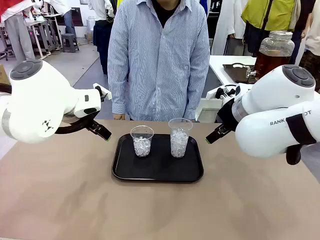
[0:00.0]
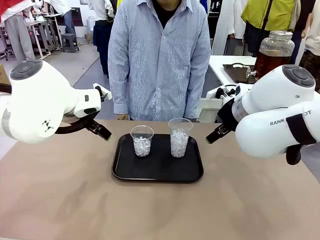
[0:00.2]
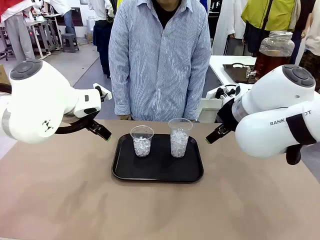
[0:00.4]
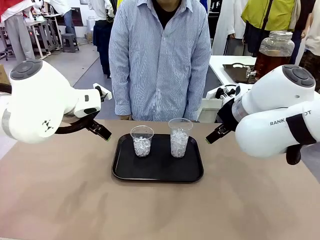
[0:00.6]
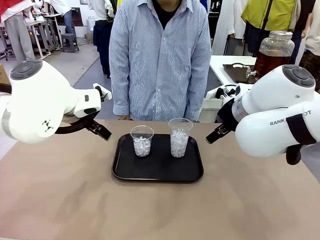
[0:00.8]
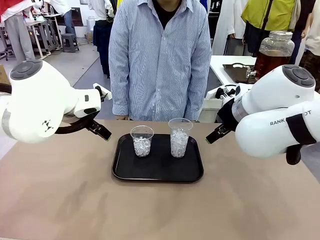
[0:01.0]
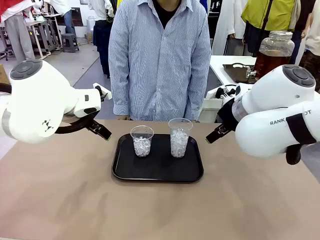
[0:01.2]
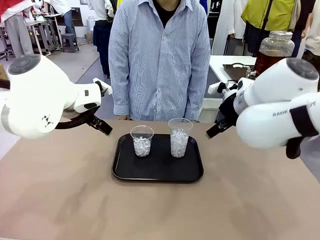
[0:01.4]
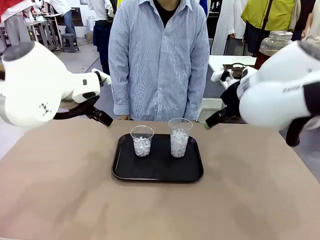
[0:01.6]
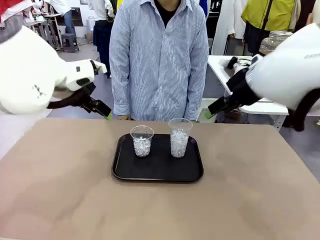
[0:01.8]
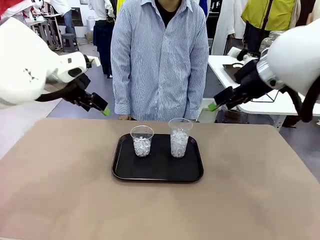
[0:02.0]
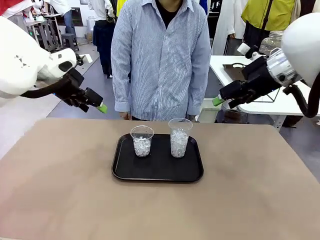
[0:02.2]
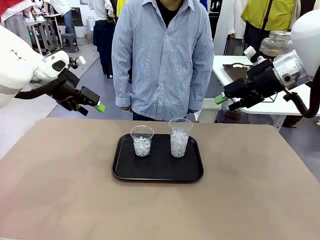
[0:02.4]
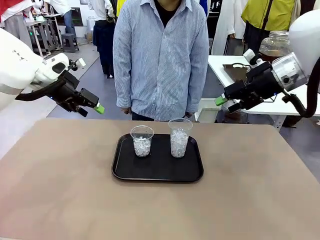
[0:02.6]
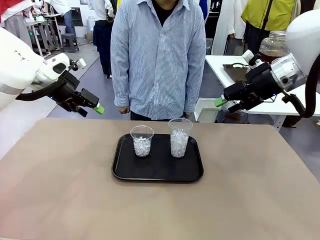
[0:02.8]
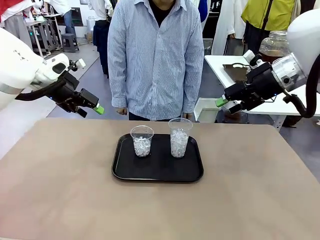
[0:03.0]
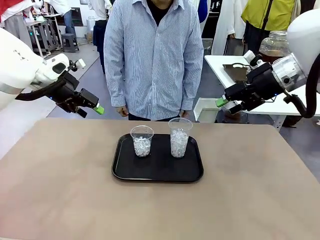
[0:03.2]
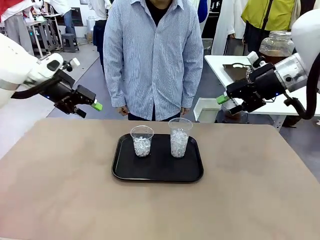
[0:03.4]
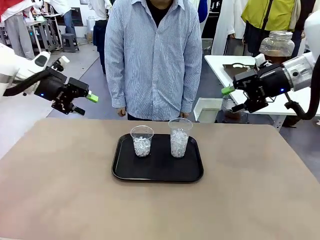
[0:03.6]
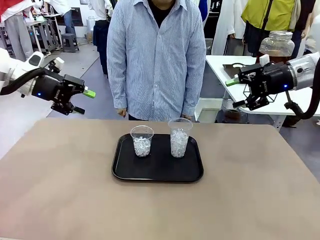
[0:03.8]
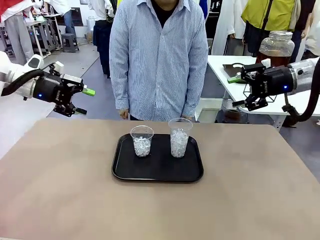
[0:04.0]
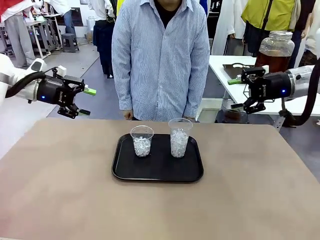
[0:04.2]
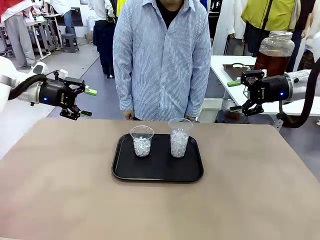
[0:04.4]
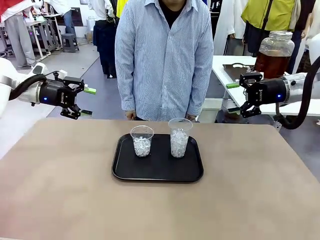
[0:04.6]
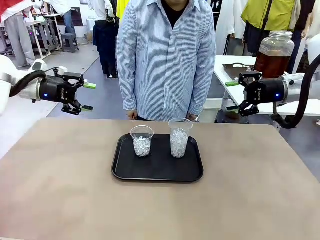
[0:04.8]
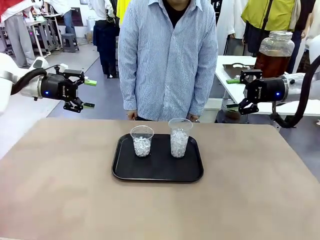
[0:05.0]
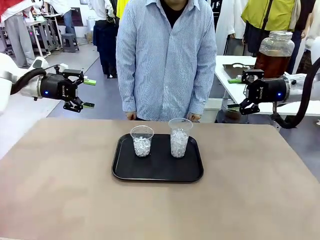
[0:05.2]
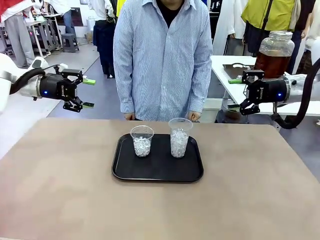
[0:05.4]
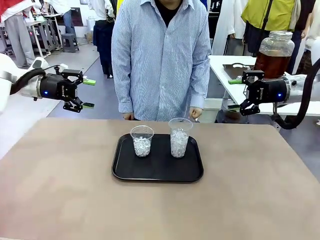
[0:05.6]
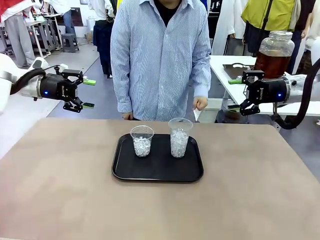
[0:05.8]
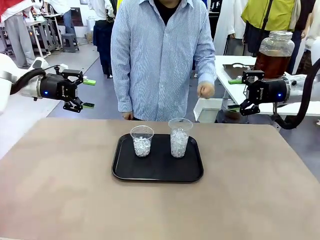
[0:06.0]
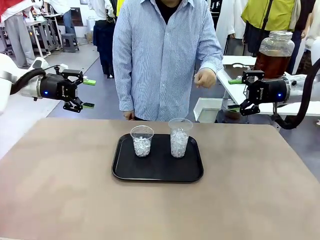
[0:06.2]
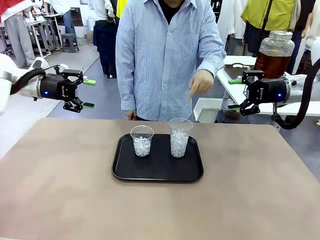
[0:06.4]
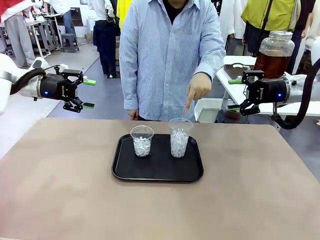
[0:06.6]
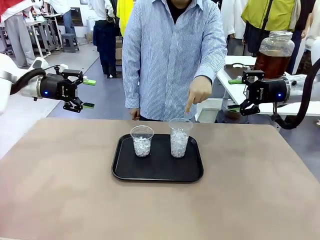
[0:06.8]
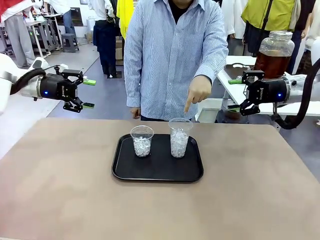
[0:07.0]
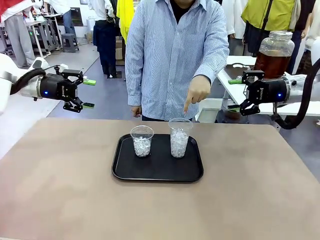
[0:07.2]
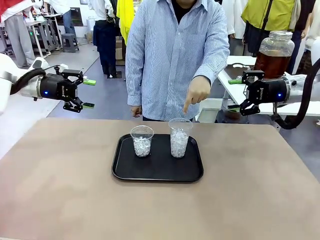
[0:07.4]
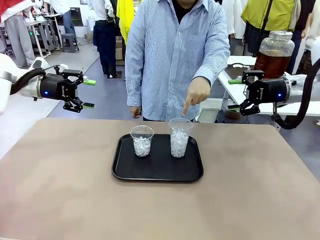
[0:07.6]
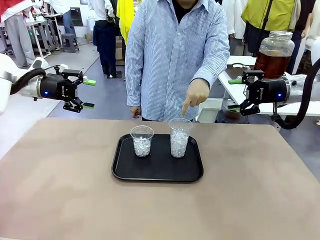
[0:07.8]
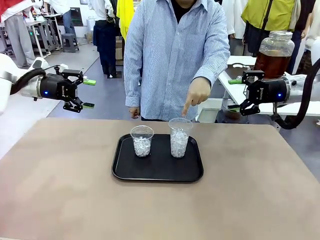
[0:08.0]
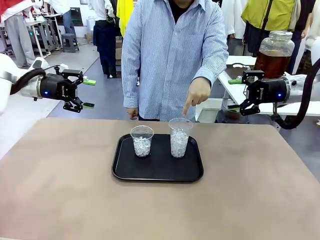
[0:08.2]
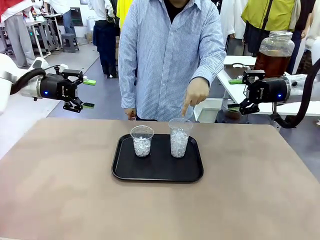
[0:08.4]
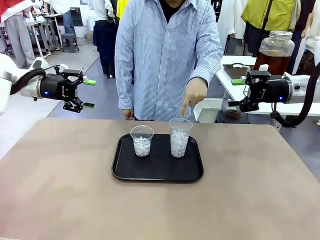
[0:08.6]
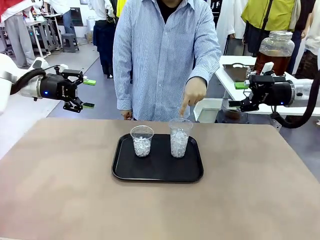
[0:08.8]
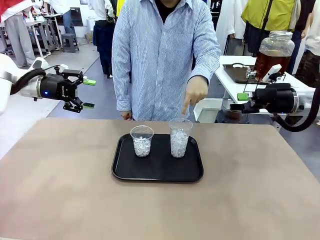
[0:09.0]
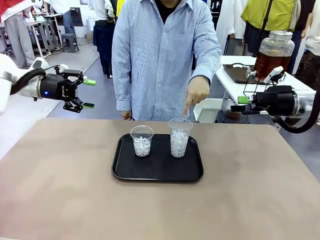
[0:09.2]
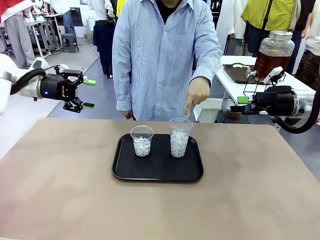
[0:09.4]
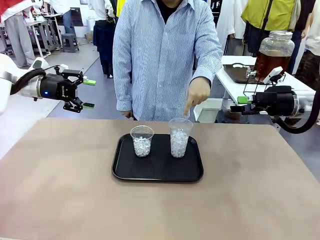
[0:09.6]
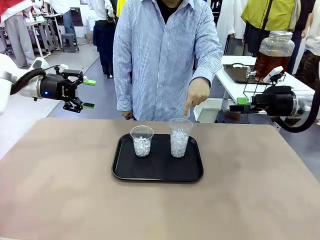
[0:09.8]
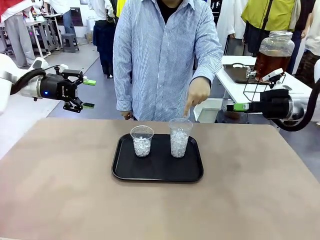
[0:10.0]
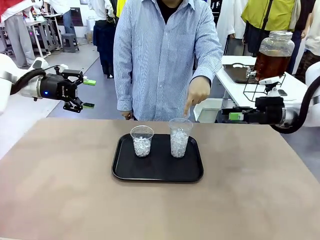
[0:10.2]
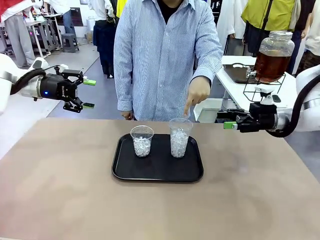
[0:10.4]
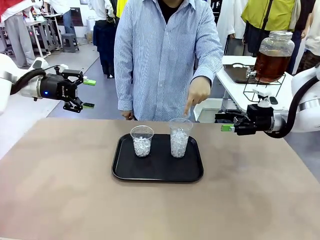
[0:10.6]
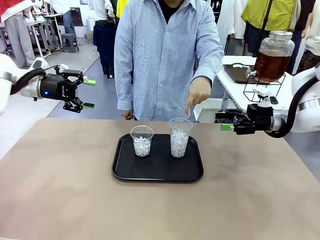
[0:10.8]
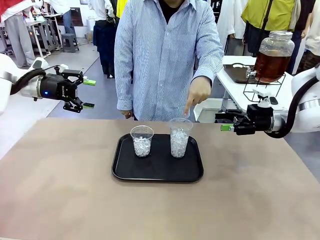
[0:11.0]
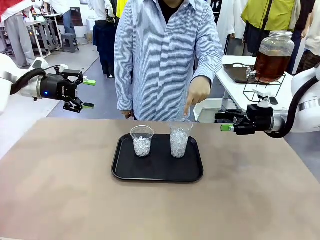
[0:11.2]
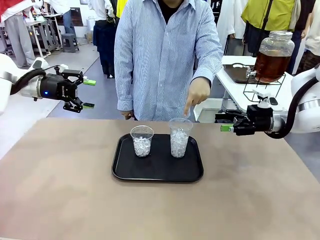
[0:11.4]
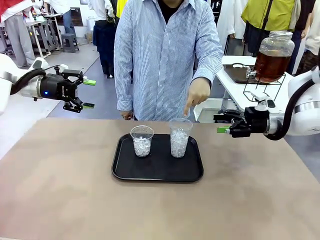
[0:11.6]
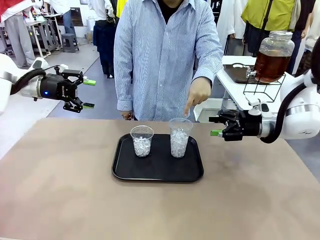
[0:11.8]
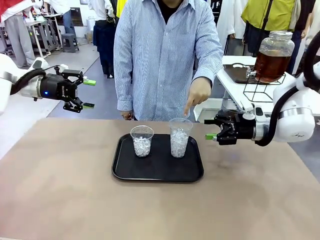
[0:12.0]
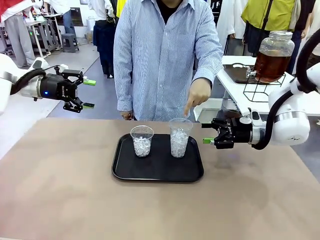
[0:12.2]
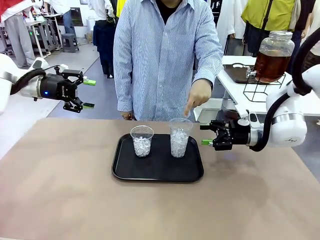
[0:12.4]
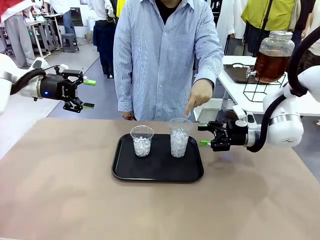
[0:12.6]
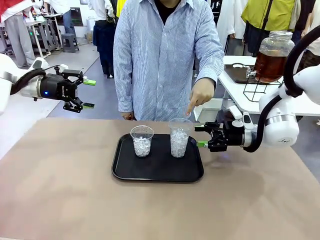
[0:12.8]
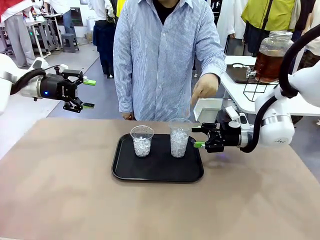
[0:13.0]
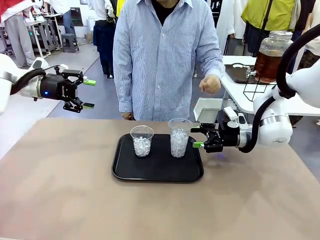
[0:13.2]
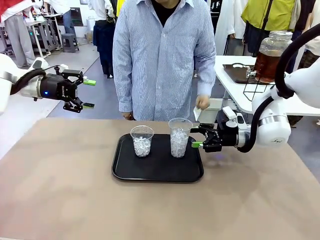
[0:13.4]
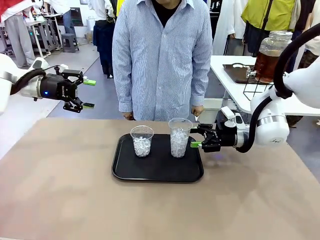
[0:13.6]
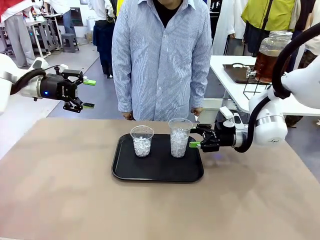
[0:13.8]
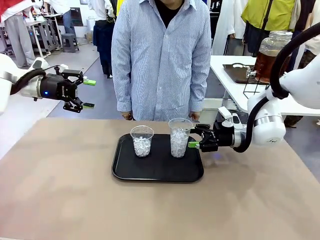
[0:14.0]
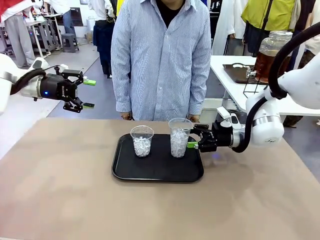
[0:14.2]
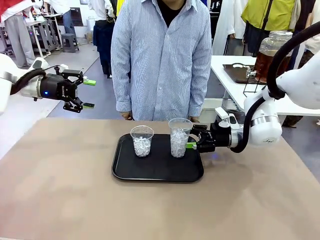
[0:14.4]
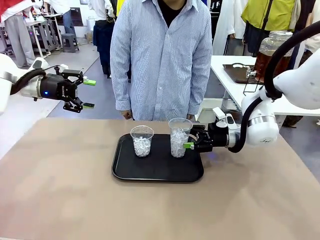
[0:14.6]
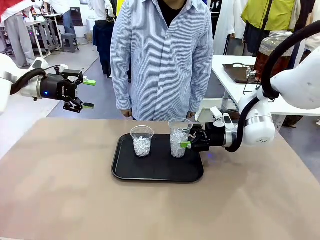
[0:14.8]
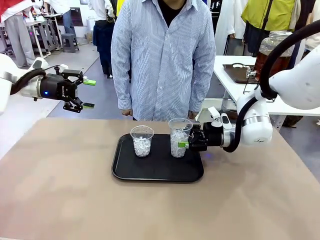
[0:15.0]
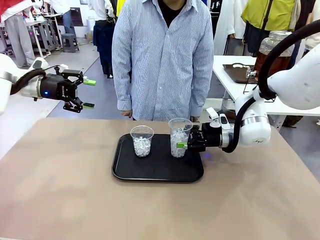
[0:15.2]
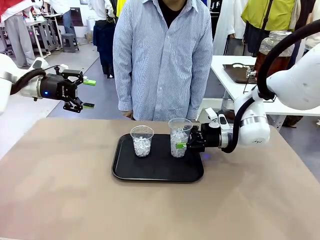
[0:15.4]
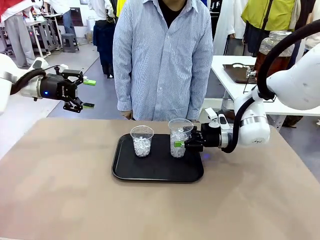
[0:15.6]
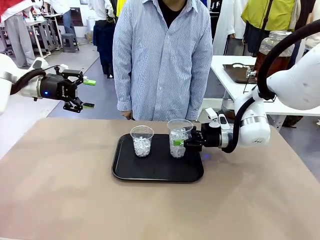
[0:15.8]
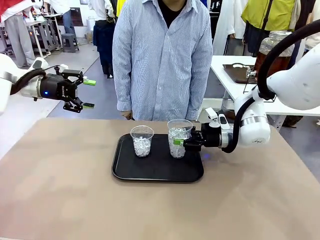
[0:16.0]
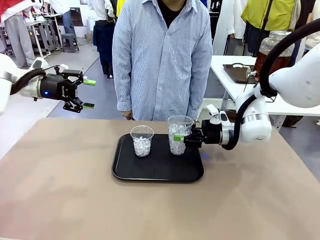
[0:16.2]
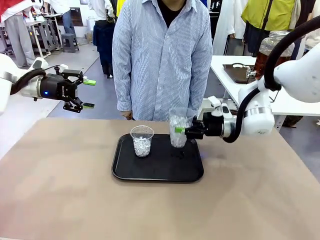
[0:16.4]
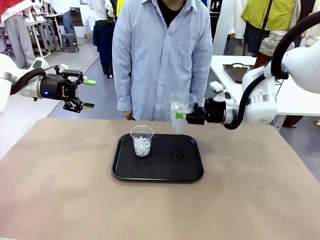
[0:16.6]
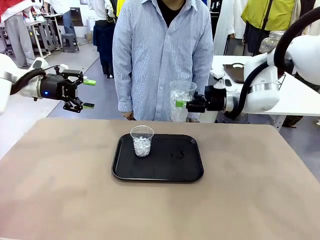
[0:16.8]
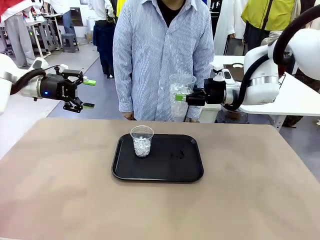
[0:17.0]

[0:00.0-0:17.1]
Task: Pour the drink into the iced cup.
Robot: Pick up the iced cup indicated by the human and present it to them.
Person: Point to one of the two ice cups. Pick up the cup offered by the robot.

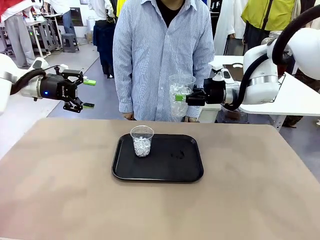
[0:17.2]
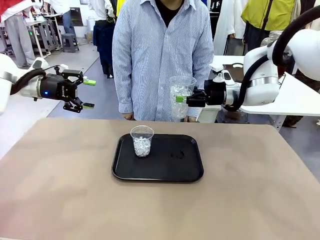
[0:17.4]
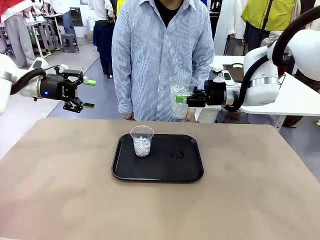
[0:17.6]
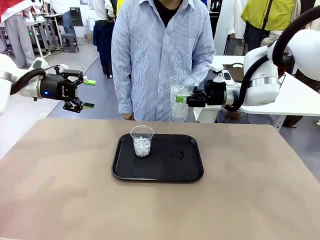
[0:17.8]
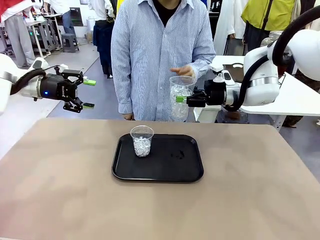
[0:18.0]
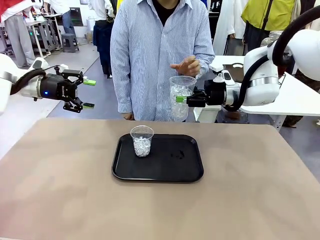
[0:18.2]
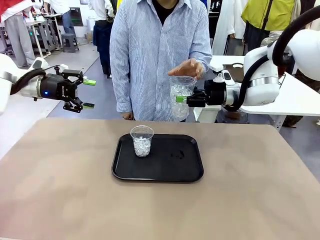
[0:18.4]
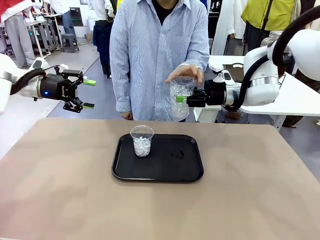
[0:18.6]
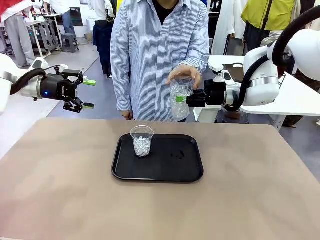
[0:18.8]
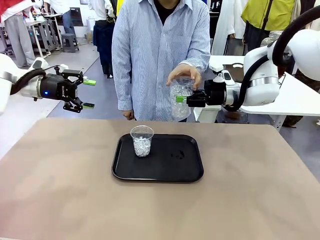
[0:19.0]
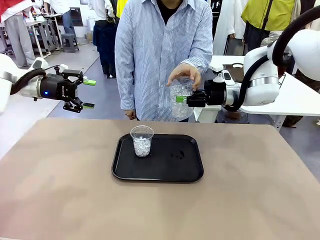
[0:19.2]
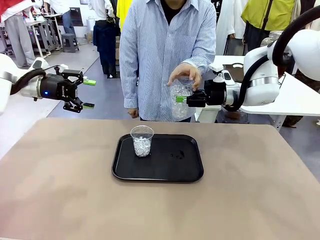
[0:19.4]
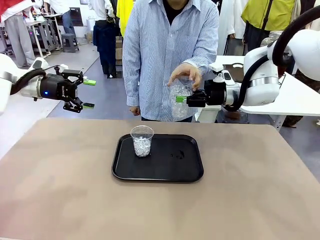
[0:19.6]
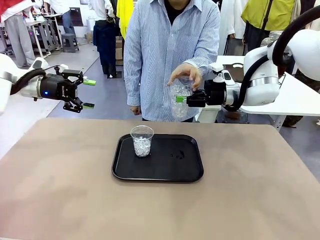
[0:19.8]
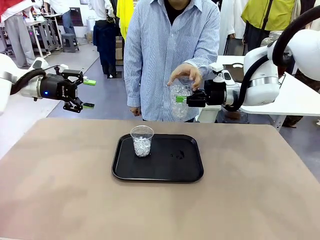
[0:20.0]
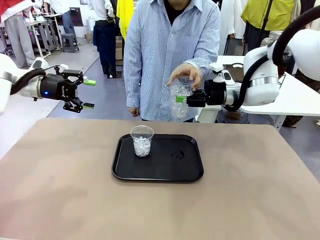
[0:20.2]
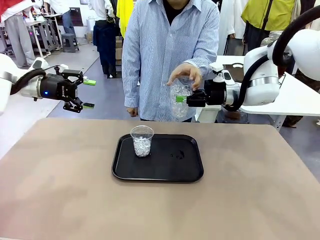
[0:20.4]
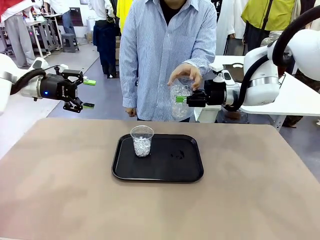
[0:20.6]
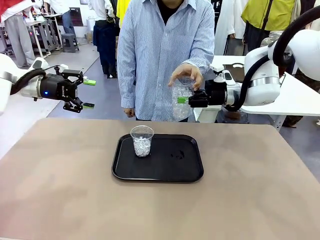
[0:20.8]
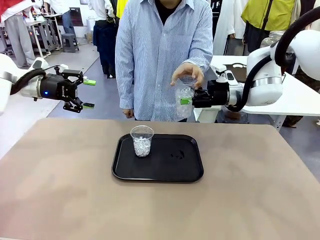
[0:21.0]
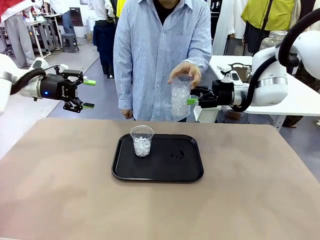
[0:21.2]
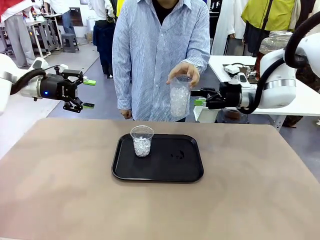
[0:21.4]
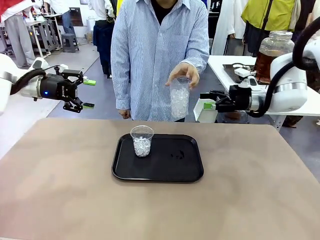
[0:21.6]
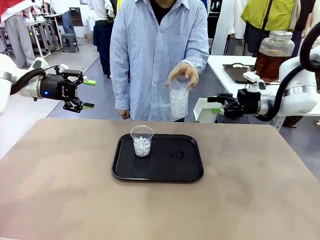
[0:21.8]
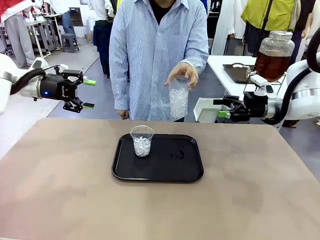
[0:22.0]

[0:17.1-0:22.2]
Robot: Open the gripper to release the iced cup you were holding.
